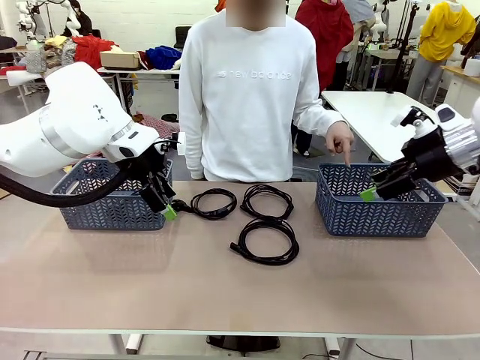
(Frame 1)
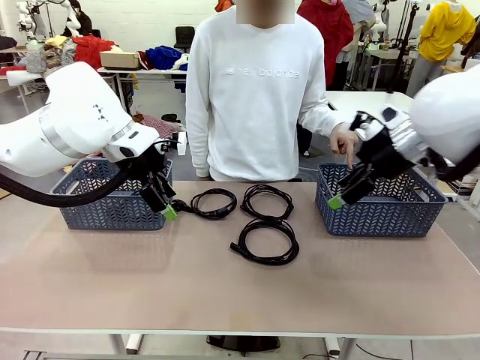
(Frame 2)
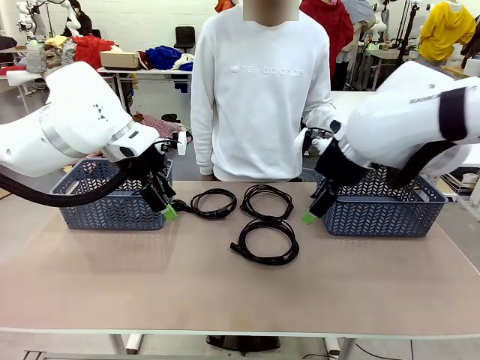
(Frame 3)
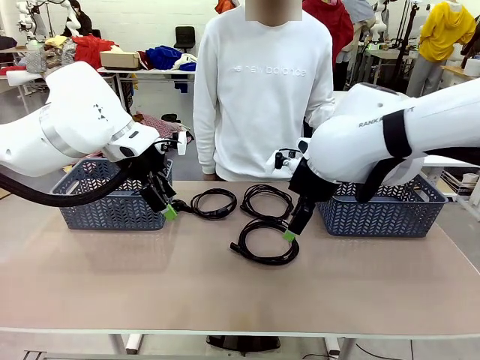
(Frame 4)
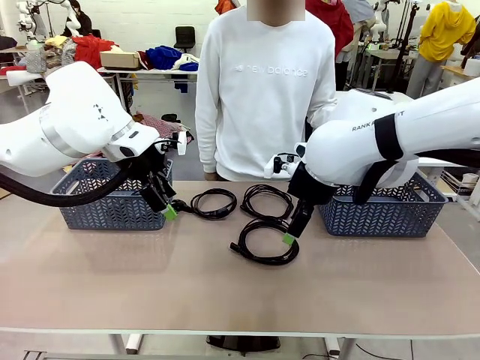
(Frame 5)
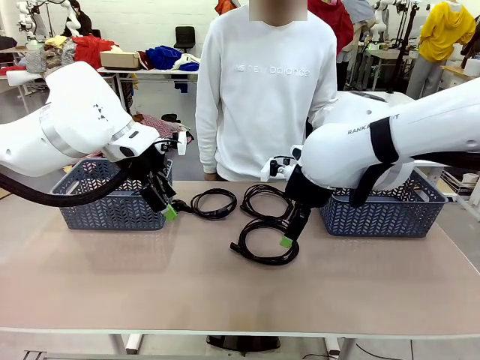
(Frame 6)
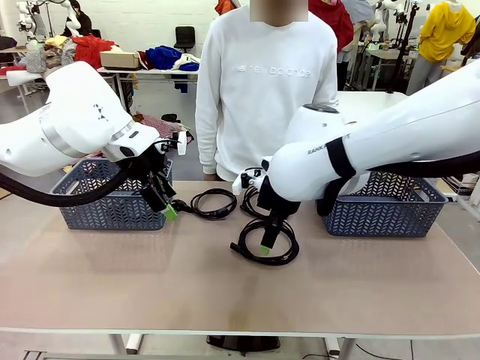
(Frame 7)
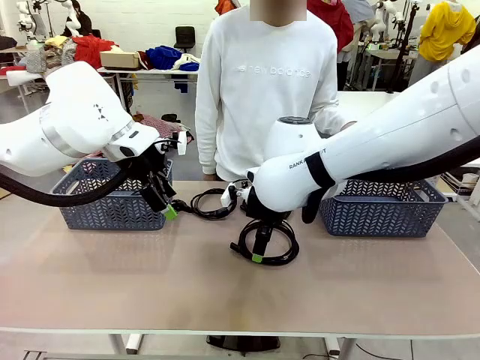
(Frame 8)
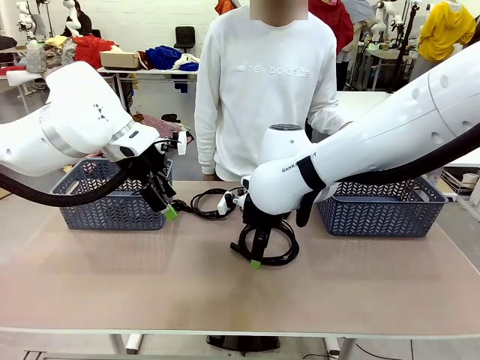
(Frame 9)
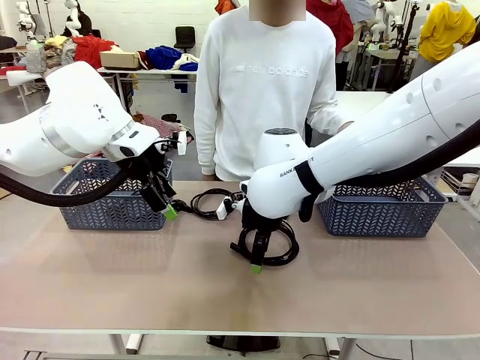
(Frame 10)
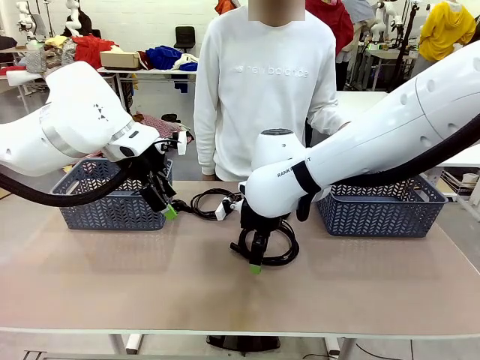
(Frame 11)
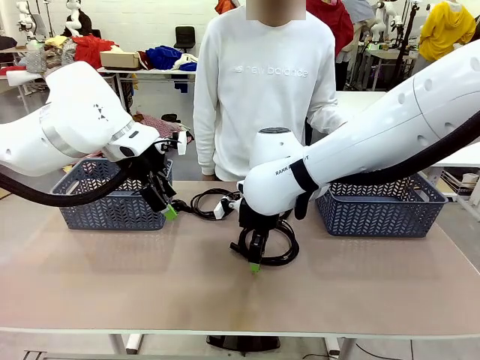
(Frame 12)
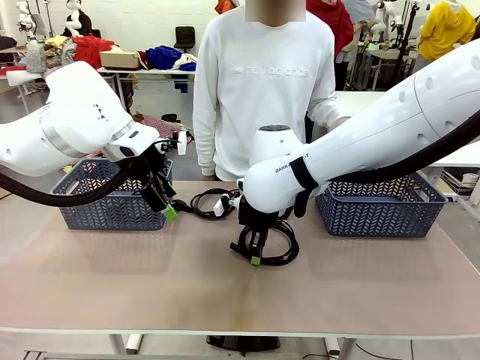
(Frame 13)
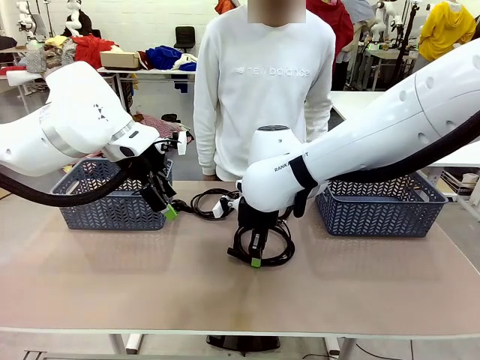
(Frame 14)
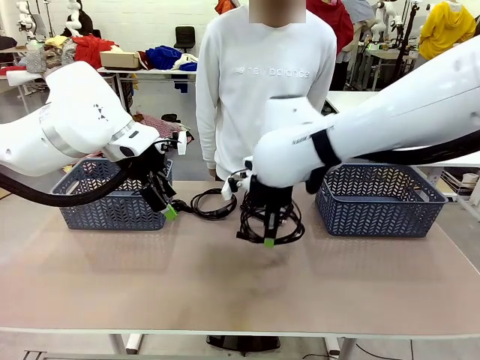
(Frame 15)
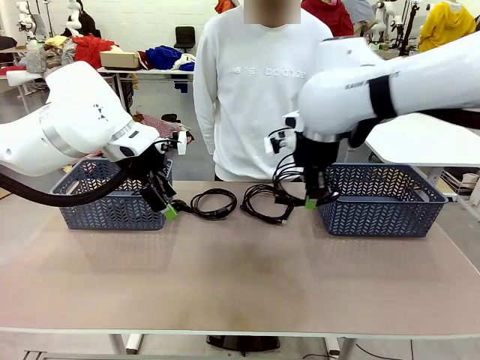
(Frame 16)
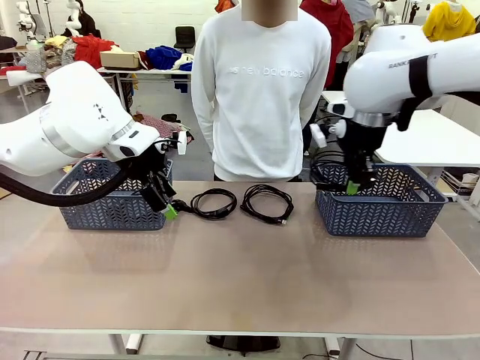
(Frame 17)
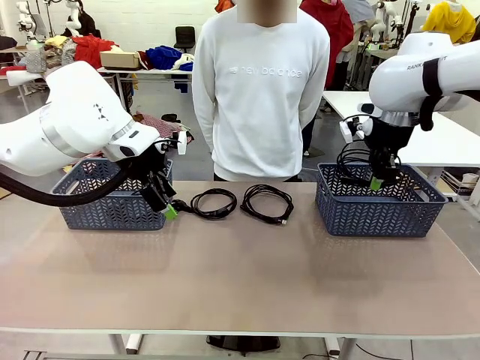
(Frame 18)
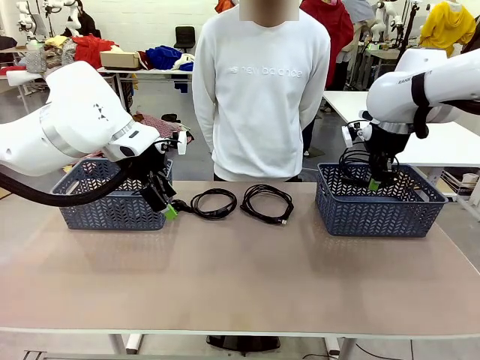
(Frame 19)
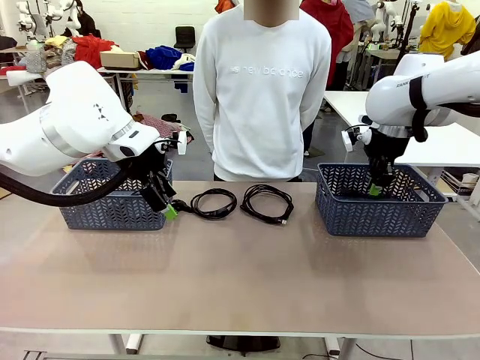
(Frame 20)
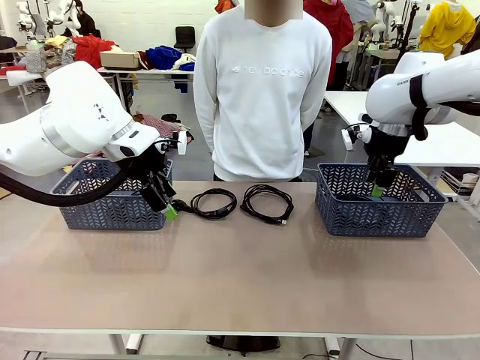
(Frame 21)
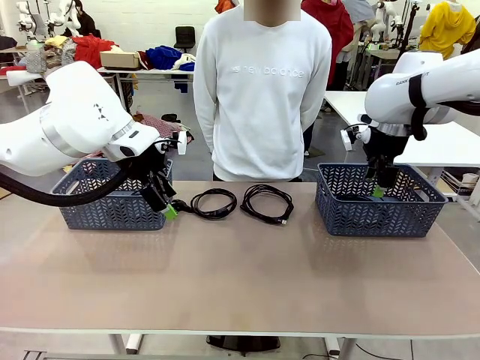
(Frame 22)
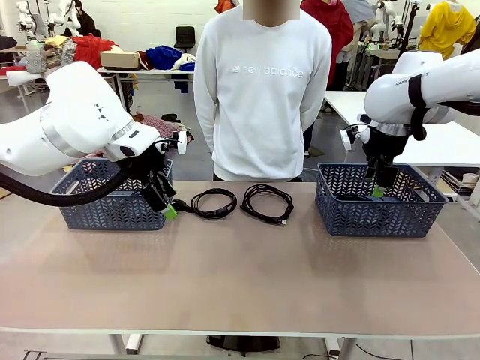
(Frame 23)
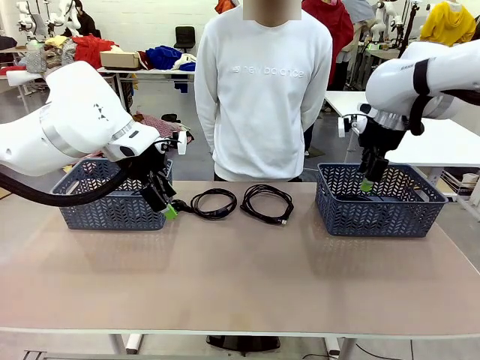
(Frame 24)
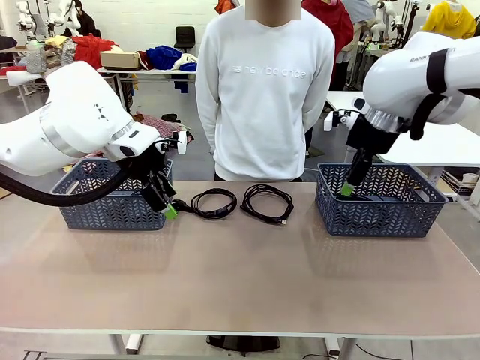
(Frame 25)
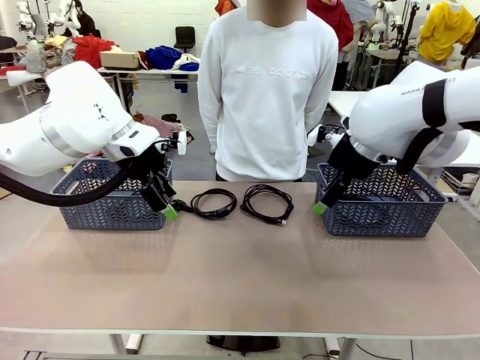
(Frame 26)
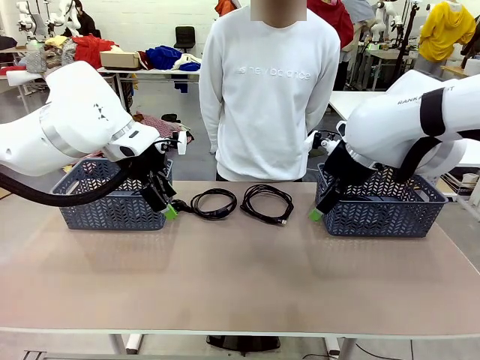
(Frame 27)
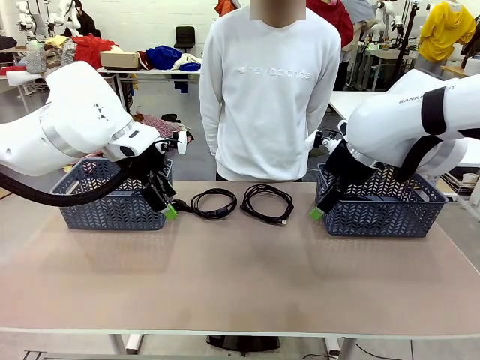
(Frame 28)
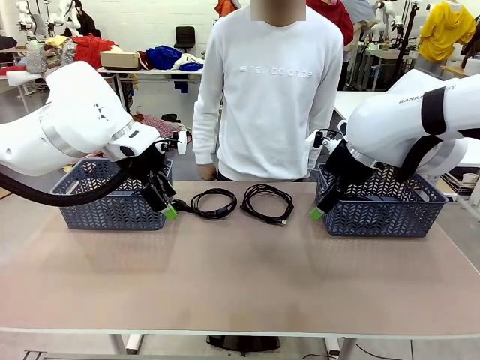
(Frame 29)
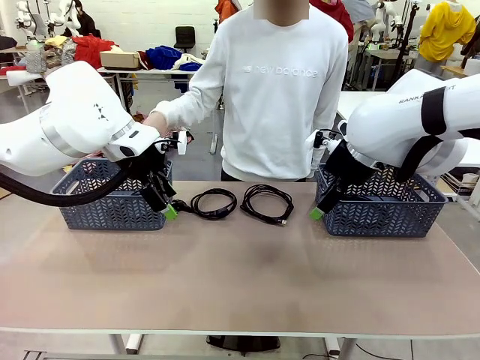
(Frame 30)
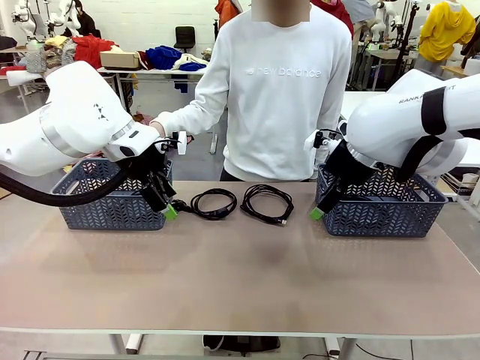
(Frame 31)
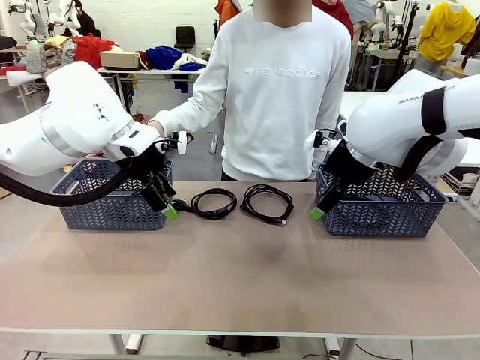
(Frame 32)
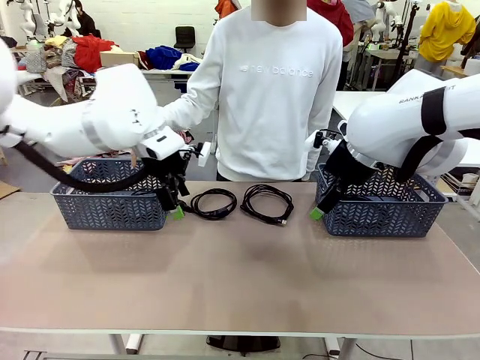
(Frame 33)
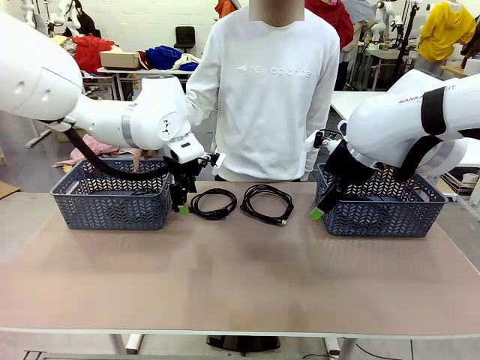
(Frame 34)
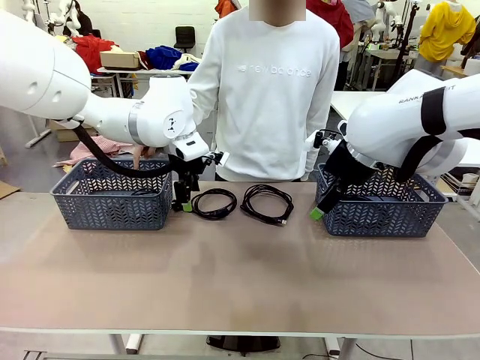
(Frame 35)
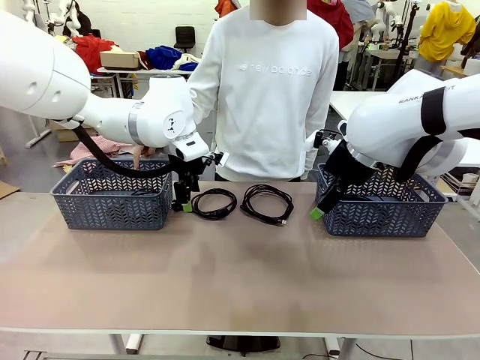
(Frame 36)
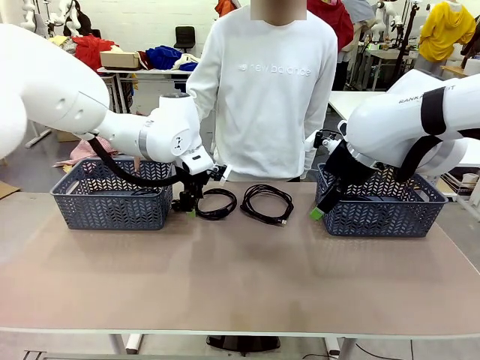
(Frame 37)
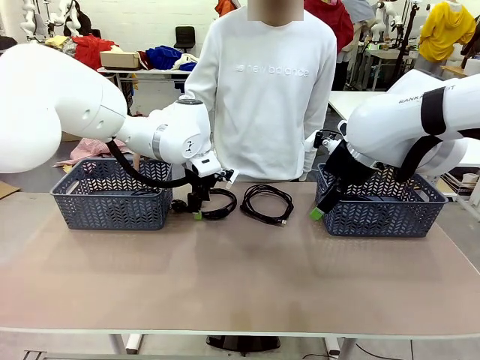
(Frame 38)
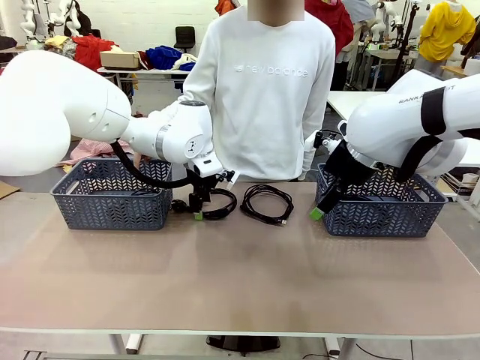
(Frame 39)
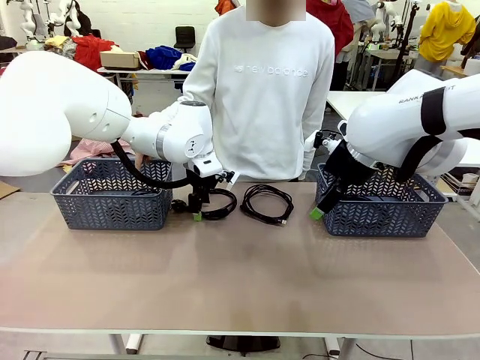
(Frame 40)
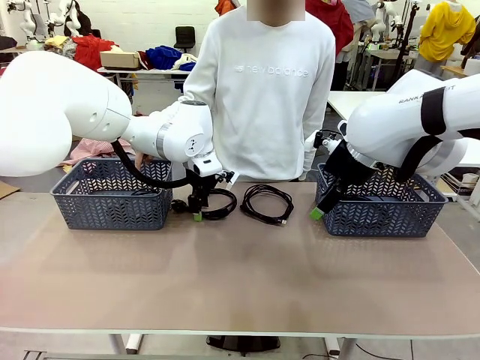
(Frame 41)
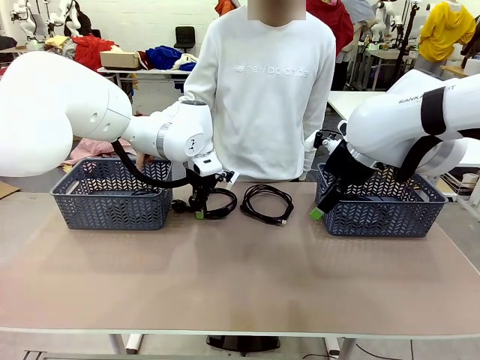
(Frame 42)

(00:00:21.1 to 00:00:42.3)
Task: Organize the cables according to human instructions.
Robot: Pick up a bundle of cables and place it in the basket indicated by the human.
